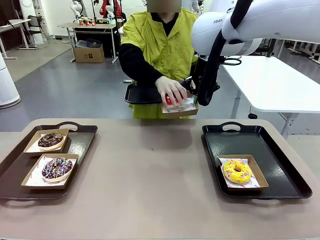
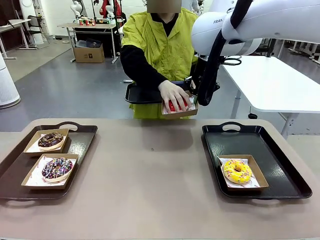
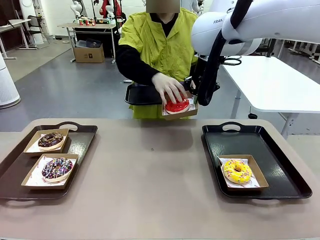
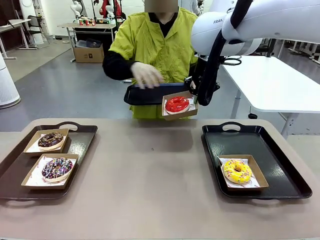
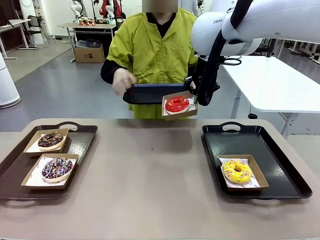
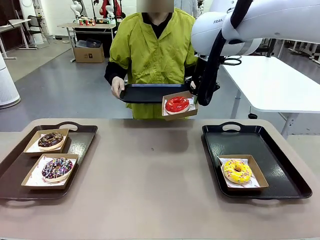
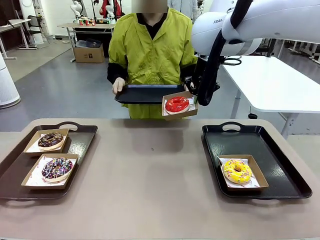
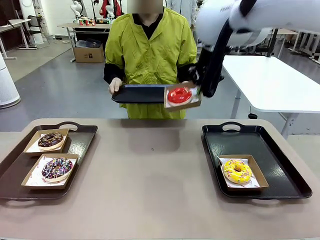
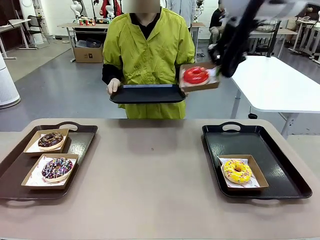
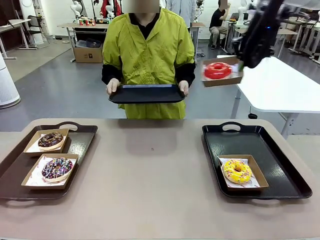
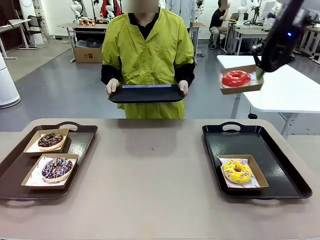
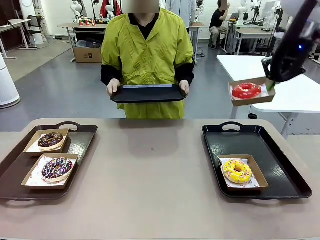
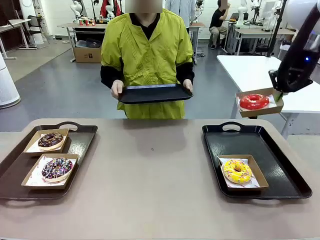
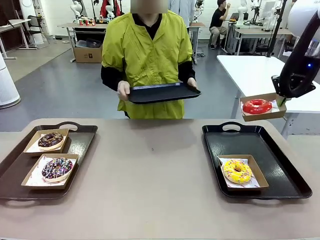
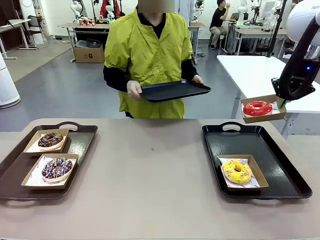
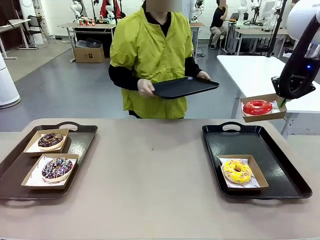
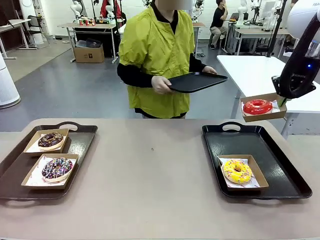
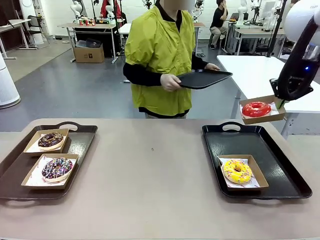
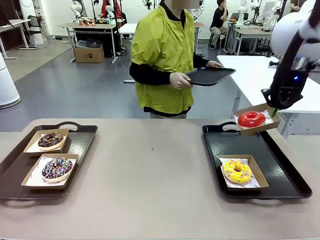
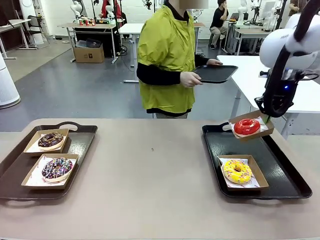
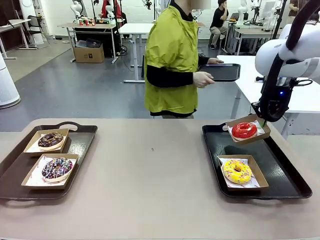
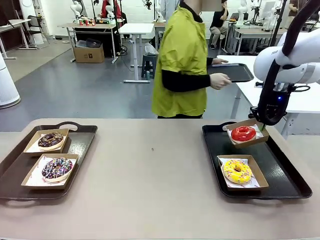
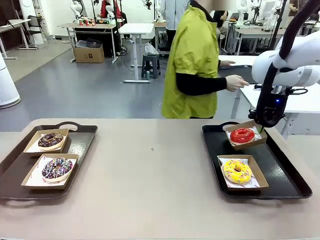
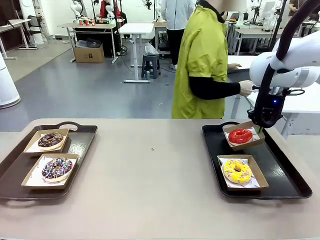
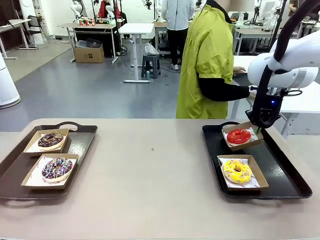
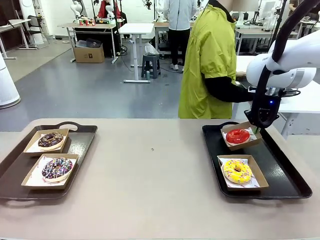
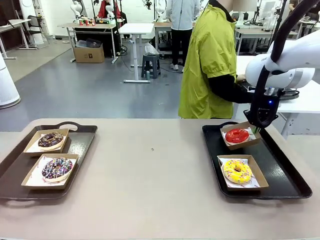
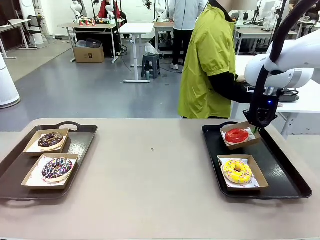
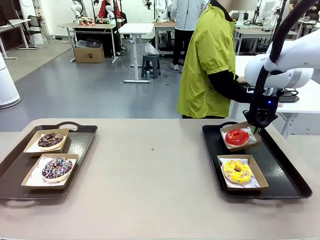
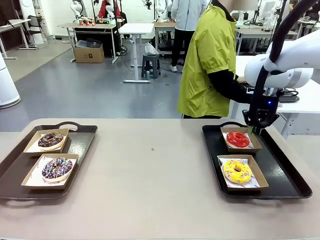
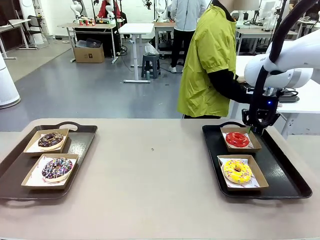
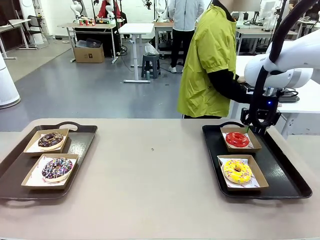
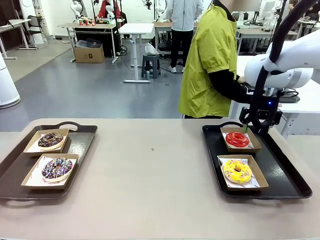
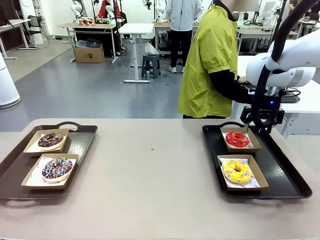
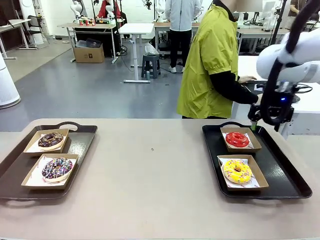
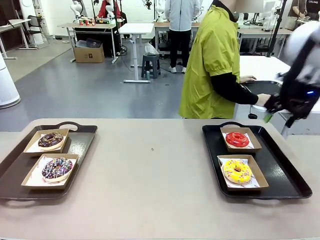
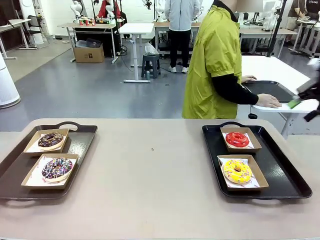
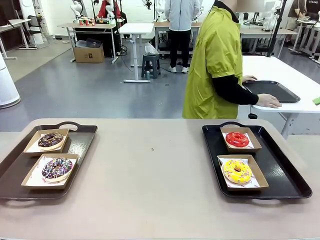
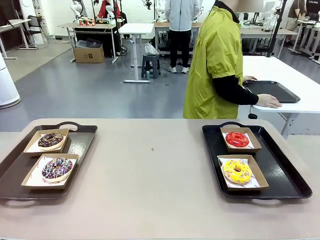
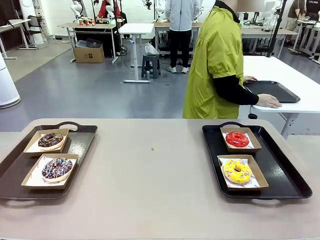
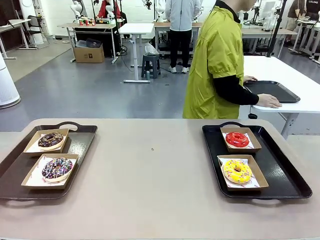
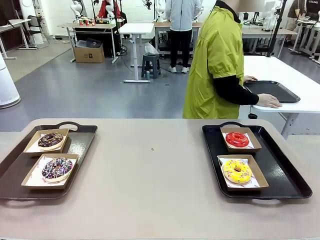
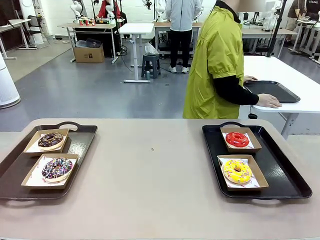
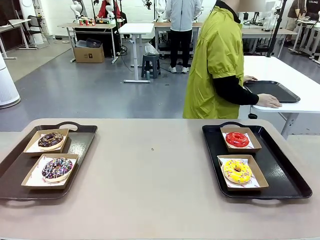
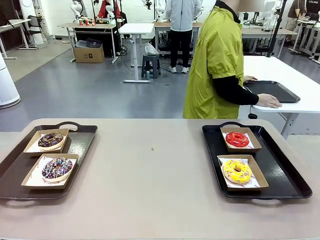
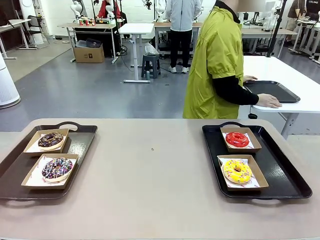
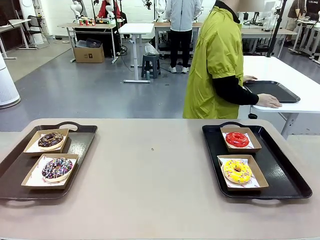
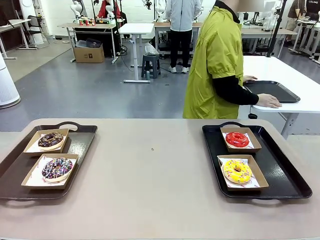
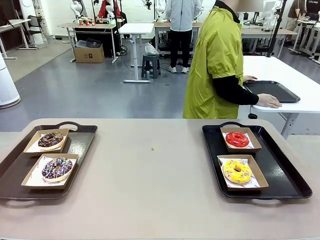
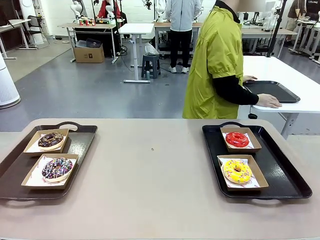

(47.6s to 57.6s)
Task: Individually package the donuts and arrange them on the tray.
Robot: Place the picked Paper togo box on the Handle tray.
Person: Place the tray down in the middle of the human table.

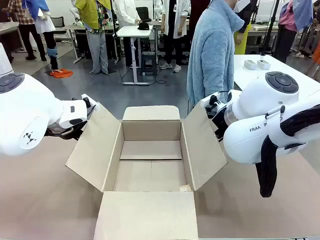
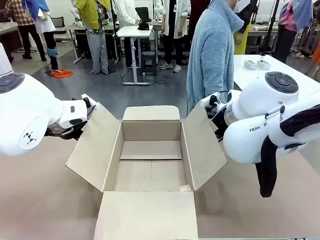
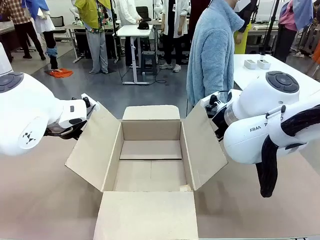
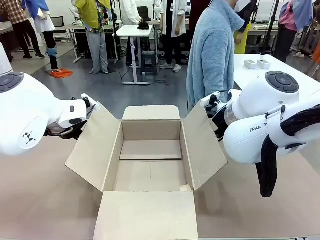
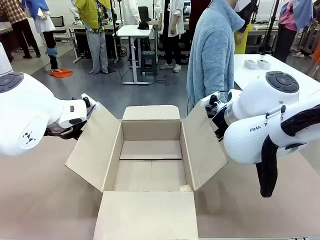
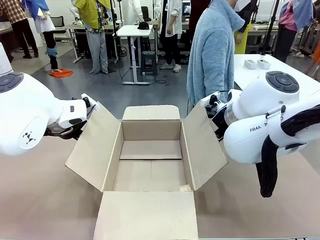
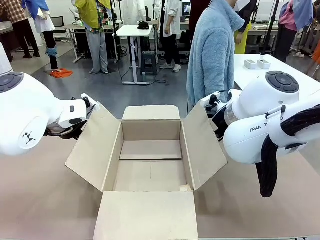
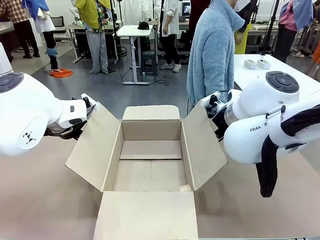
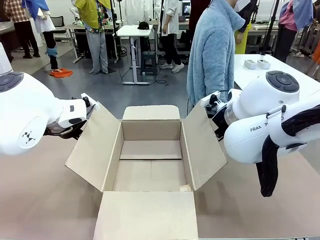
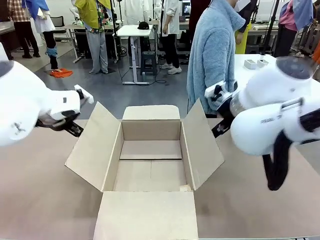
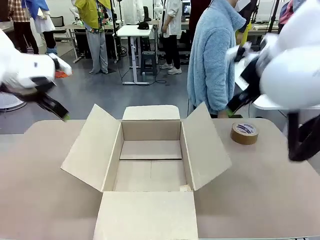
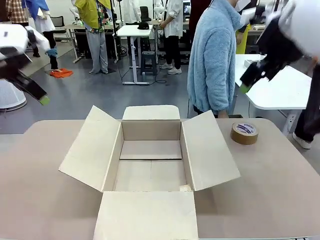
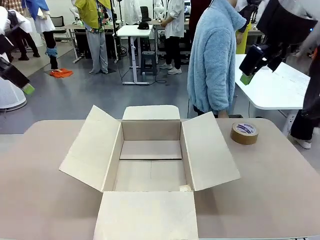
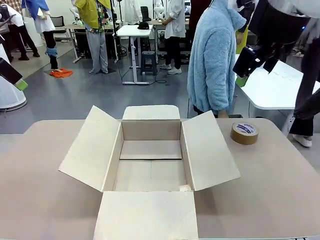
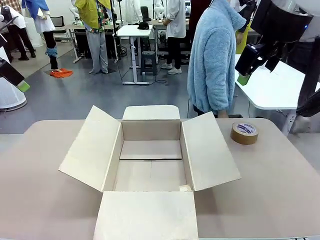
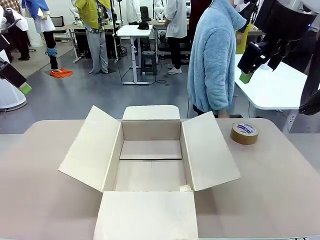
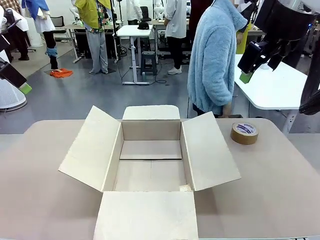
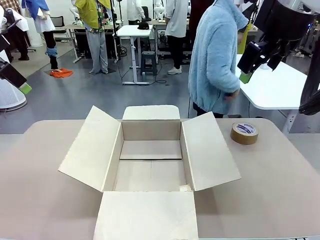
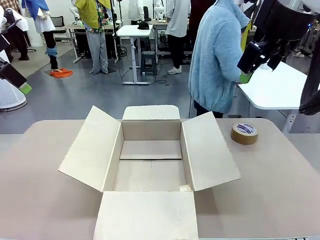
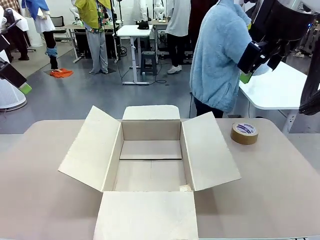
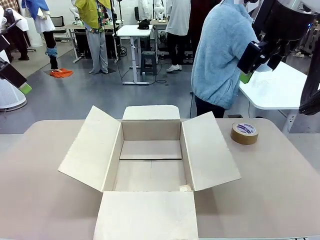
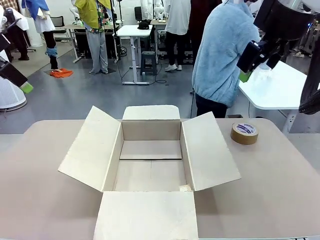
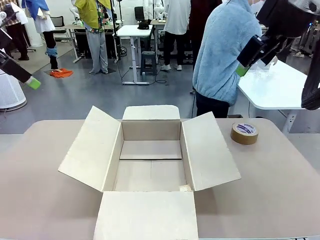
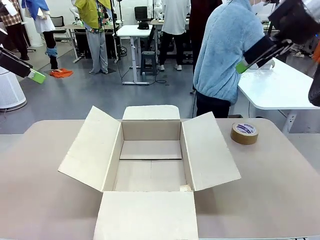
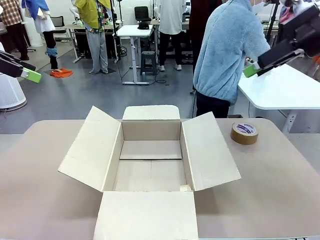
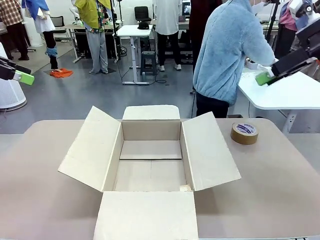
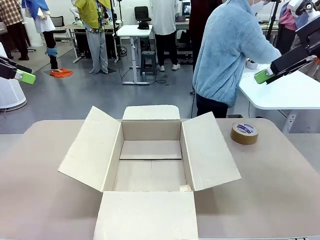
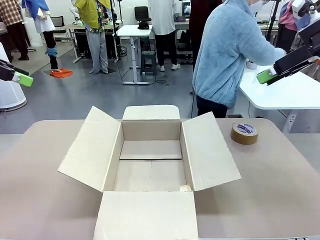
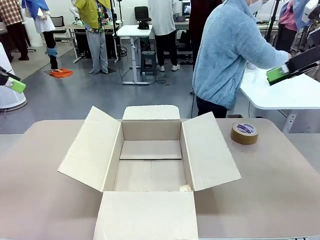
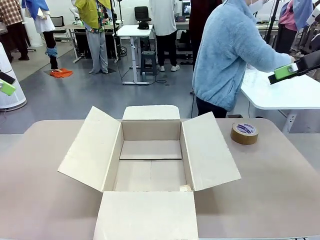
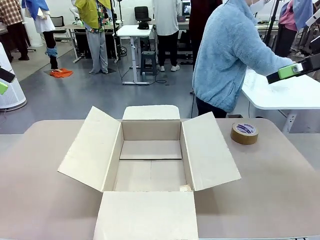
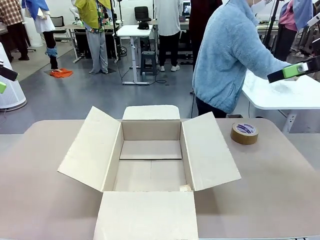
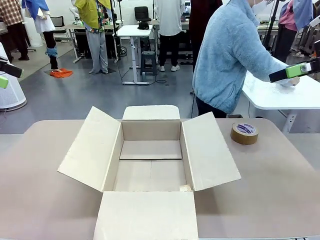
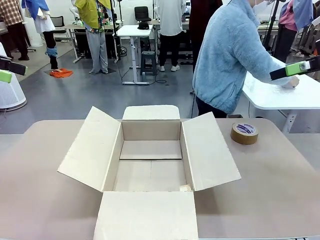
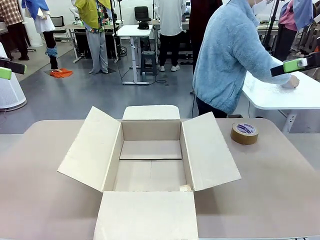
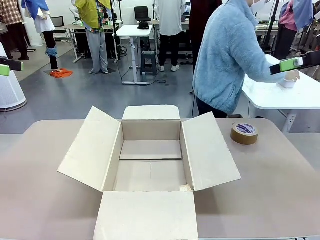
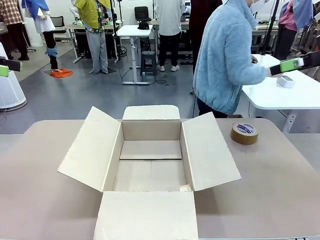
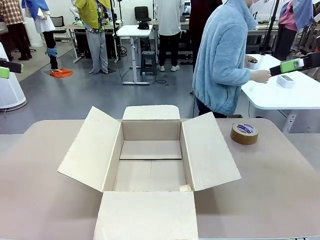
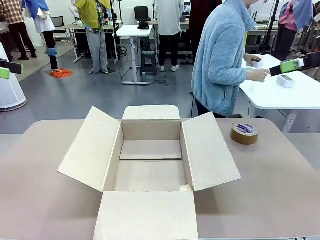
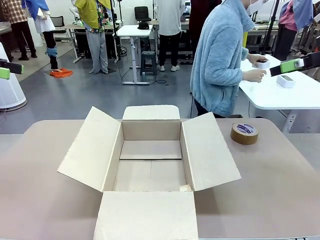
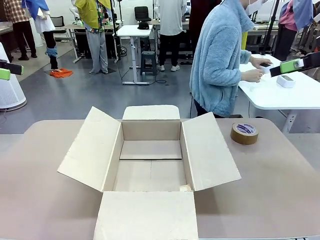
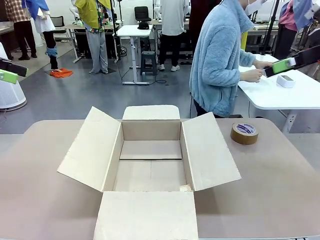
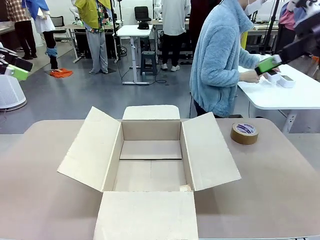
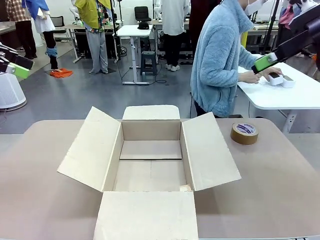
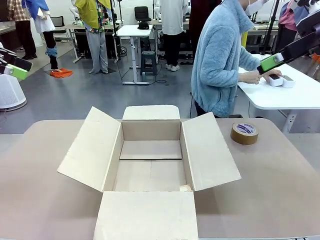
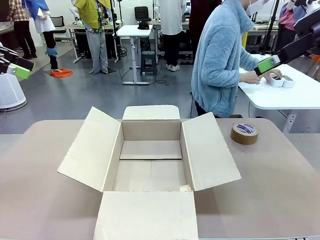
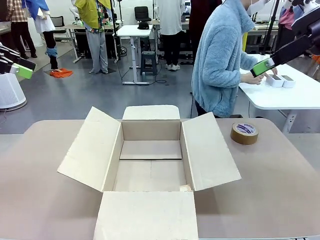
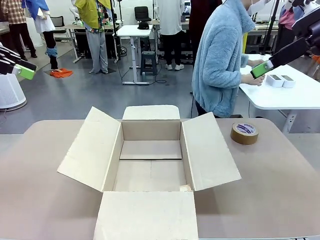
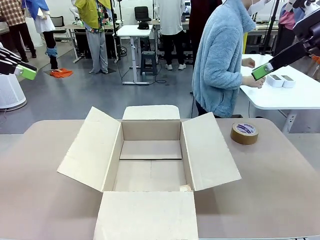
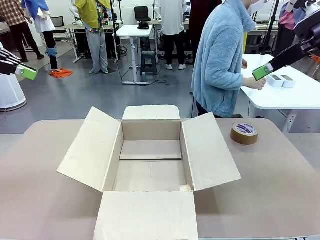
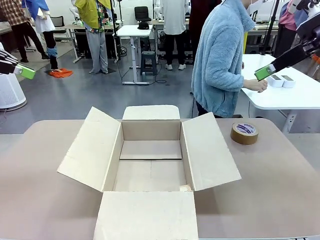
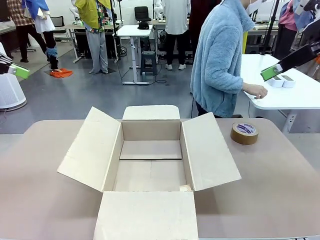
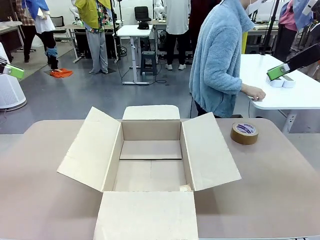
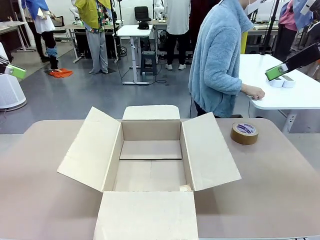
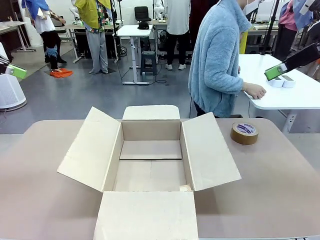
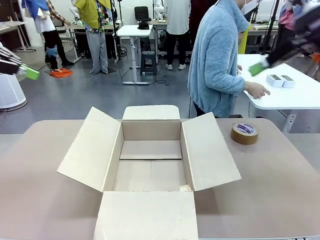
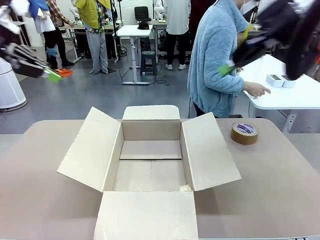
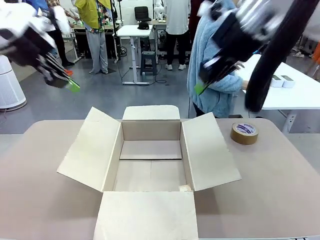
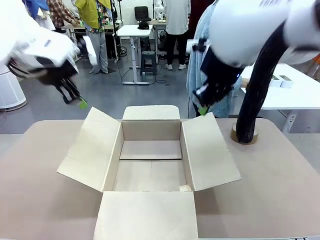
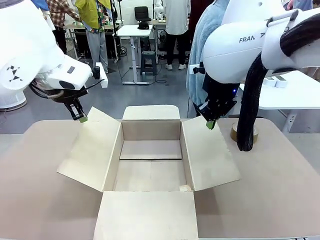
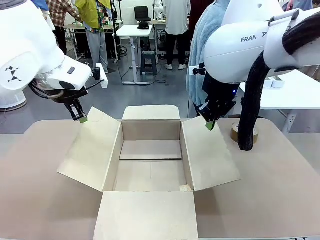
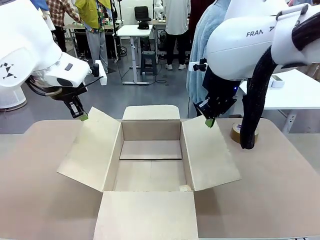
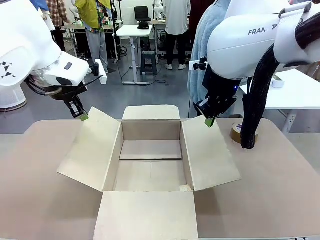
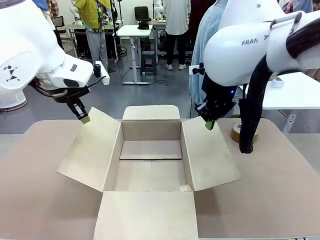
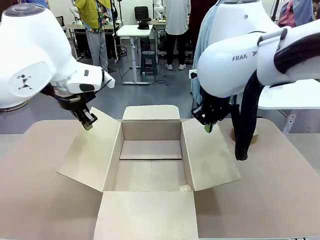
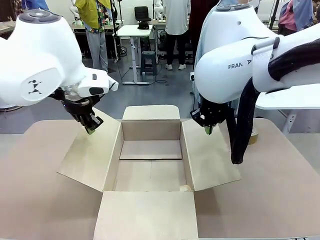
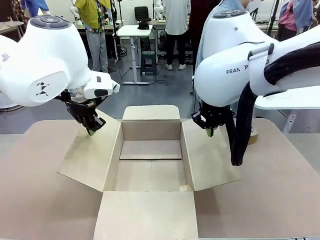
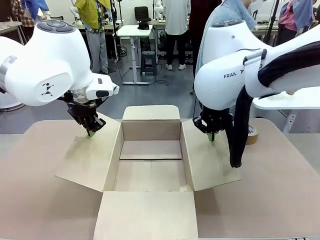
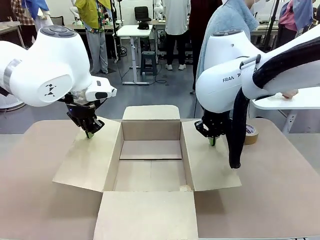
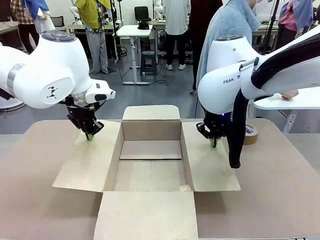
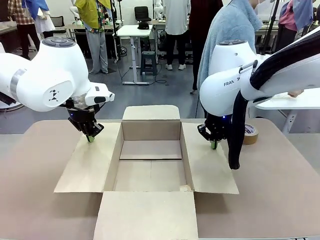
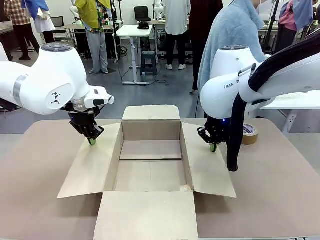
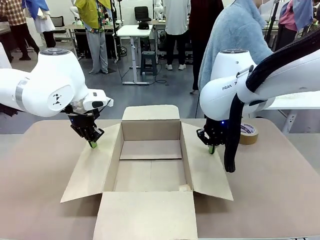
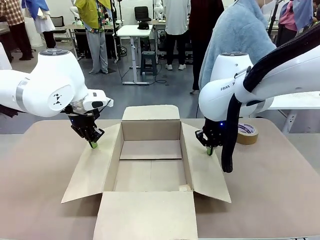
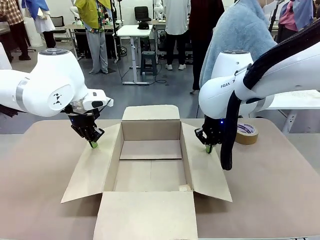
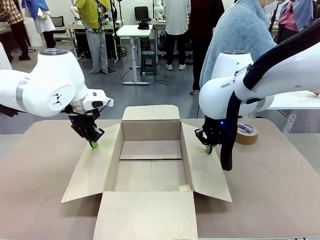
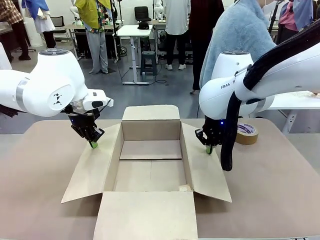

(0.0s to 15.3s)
Task: Wrap the clocks to prevent damage.
Robot: Open the side flaps of the Package Box.
Person: Wrap the two Digital clocks with Bubble Wrap.
